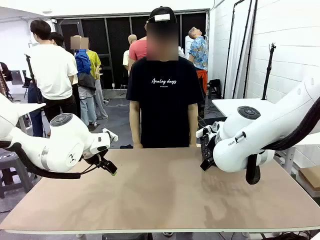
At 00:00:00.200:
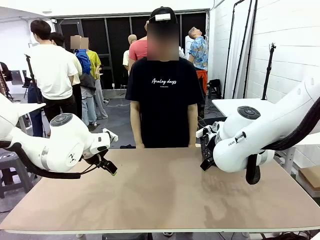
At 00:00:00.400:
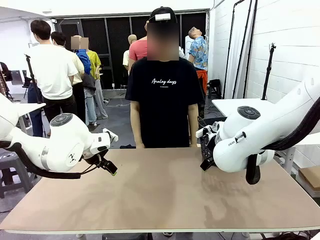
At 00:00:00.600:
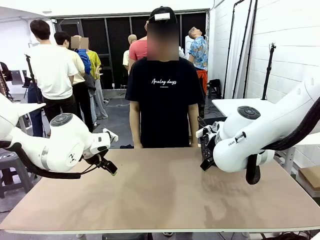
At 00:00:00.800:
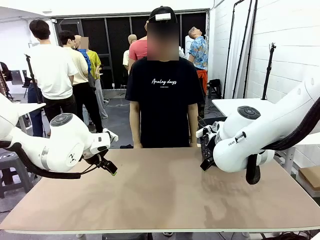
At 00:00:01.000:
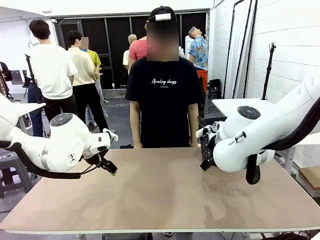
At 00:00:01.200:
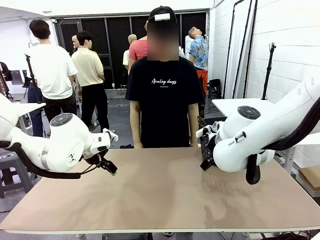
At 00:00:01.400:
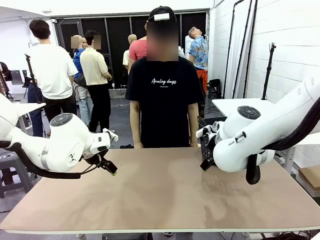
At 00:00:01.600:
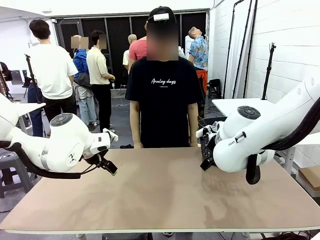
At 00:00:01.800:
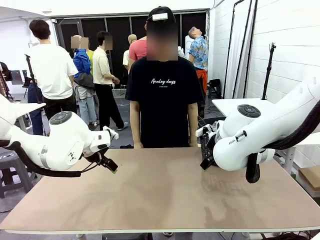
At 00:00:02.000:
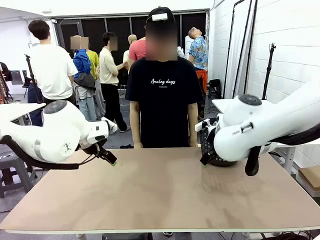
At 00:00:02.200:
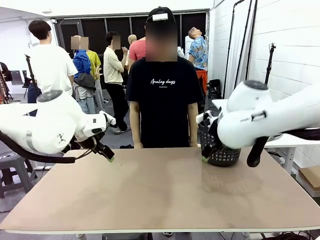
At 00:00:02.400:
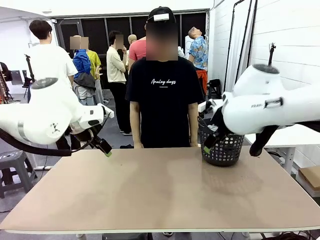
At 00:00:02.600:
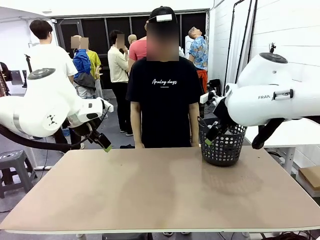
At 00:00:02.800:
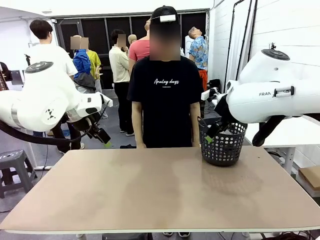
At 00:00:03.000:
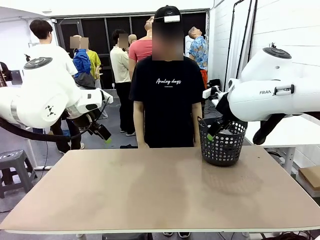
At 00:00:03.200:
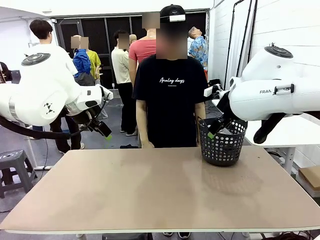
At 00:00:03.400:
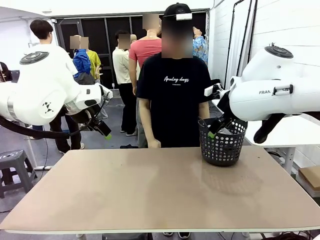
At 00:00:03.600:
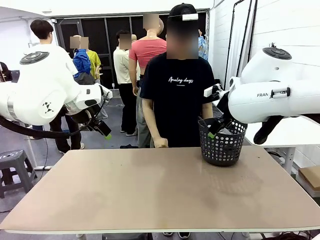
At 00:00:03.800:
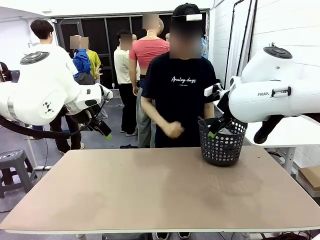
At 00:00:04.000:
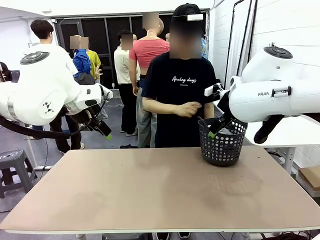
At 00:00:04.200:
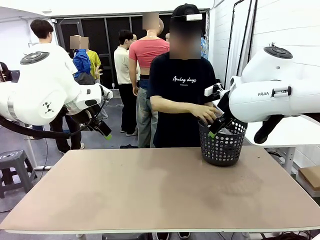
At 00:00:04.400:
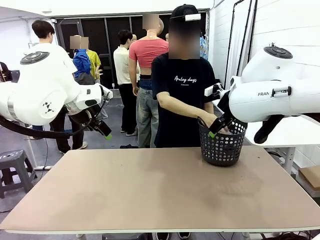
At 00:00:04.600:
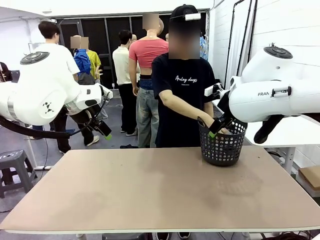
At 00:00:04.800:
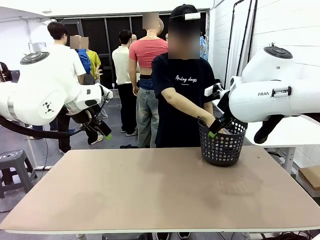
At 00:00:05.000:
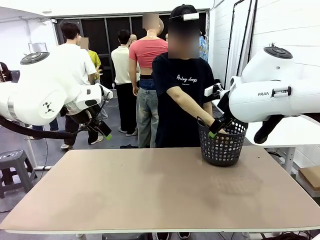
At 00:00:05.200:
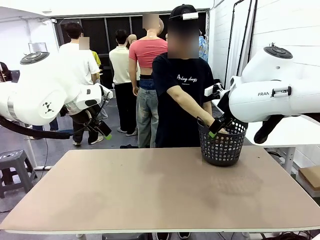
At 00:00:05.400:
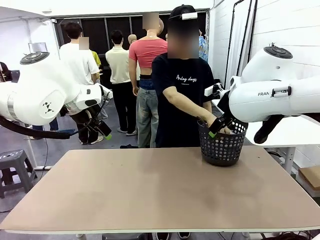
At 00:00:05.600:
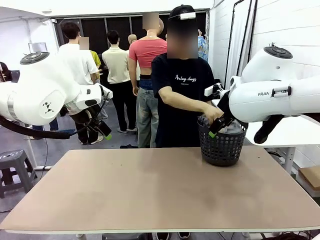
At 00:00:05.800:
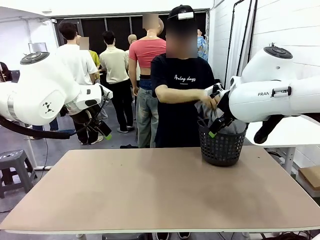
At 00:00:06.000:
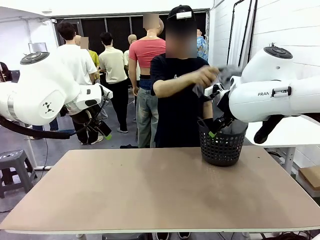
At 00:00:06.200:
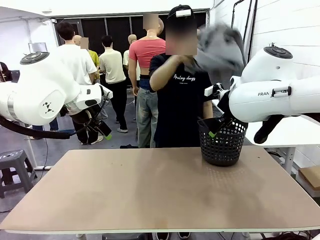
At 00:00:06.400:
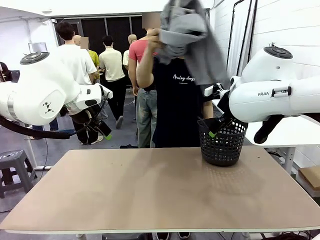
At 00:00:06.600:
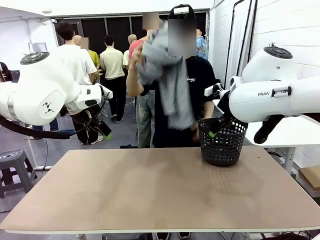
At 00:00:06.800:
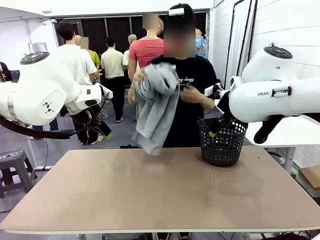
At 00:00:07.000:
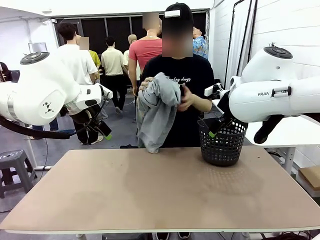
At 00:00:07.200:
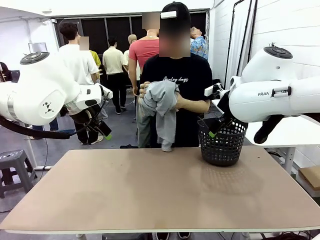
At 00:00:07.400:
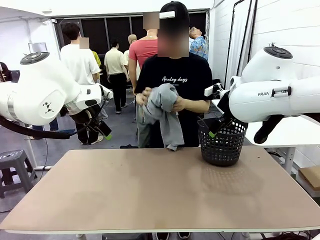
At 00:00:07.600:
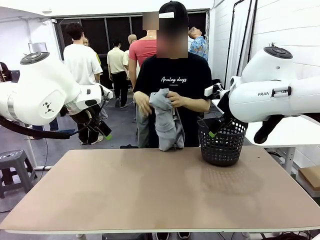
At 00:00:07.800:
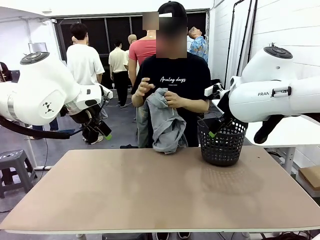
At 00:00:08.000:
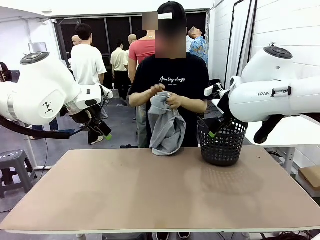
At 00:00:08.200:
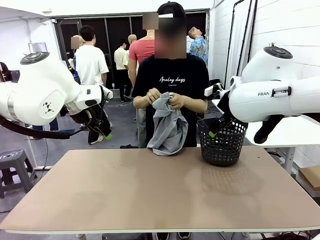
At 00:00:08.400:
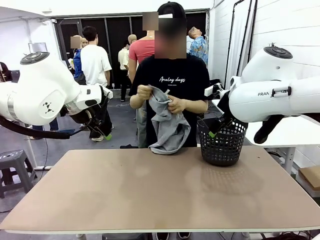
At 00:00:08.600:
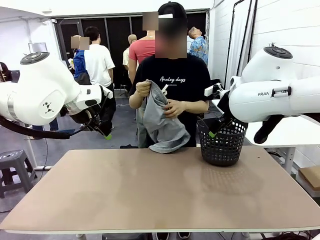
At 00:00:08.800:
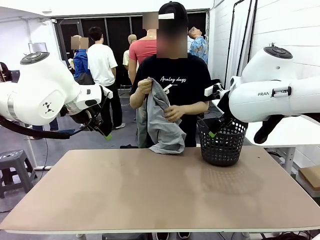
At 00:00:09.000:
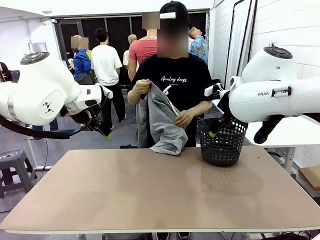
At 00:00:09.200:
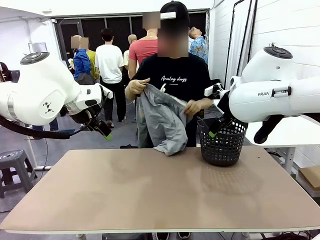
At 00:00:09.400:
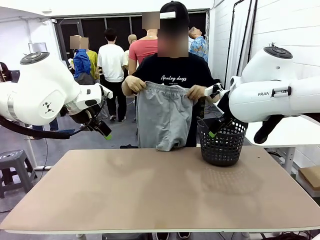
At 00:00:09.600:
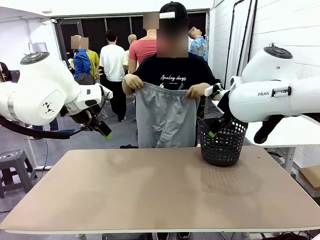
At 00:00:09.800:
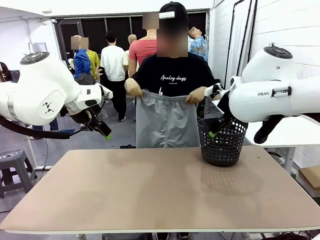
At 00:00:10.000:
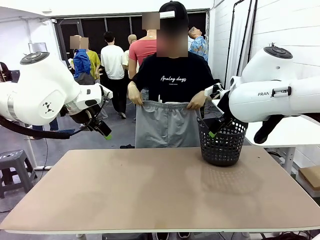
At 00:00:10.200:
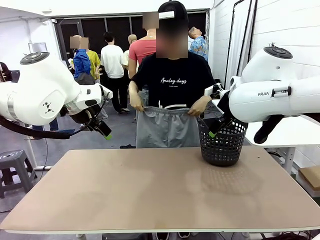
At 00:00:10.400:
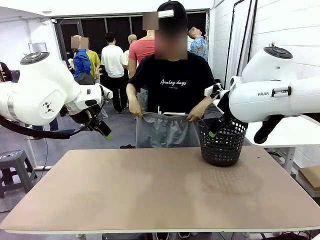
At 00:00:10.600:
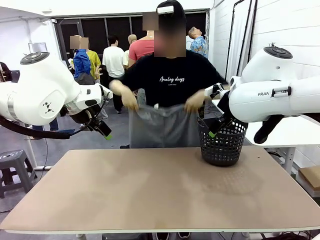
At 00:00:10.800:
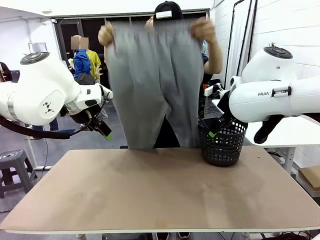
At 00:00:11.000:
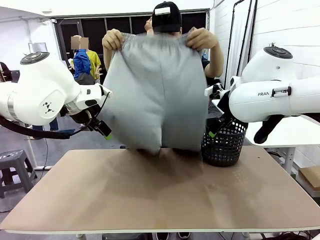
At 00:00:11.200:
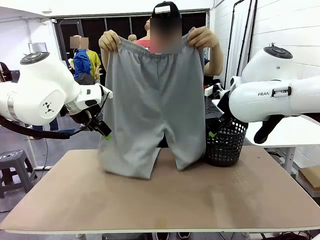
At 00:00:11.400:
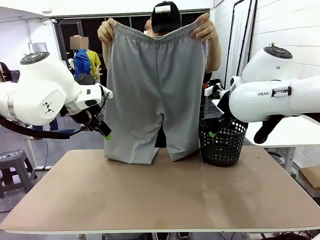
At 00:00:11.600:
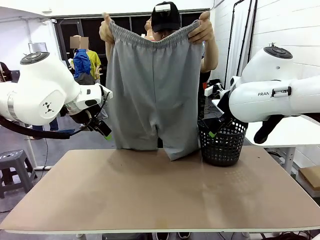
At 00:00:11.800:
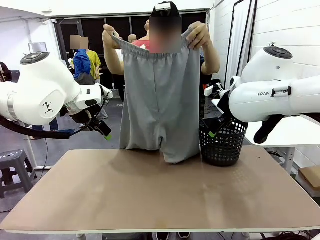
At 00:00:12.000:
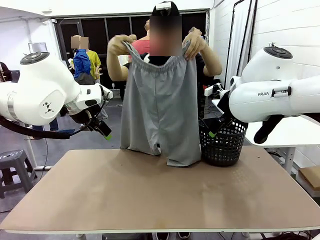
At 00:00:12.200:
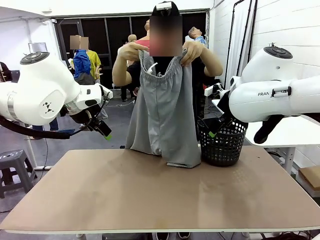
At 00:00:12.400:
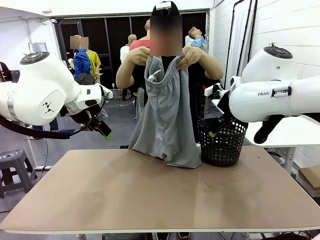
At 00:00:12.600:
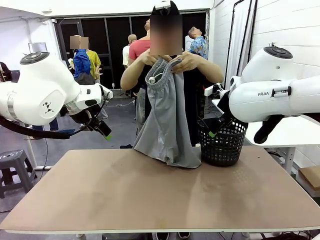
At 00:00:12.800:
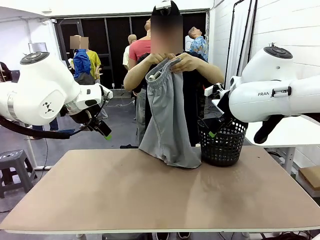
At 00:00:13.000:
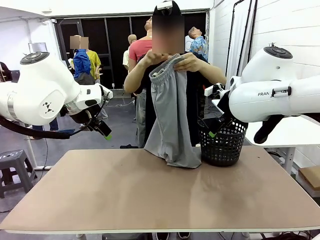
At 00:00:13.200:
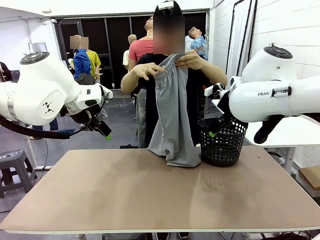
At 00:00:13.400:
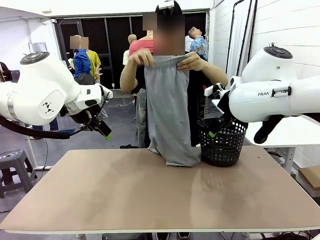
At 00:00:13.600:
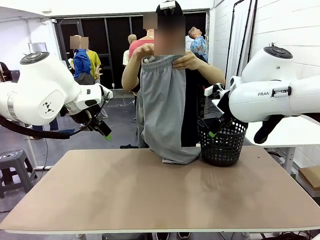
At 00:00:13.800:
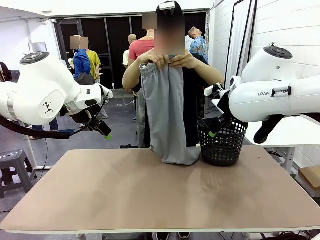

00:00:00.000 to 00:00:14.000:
Task: Fold the training pants.
Robot: Grab both ends of the Training pants handed by a person.
Person: Take the long pants out of the laundry basket, unfold them, fold the waist in half, and extend them so the robot can pick up both corners.
